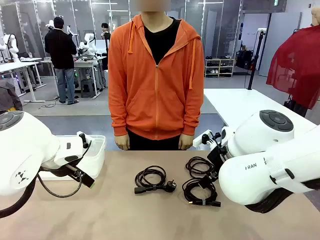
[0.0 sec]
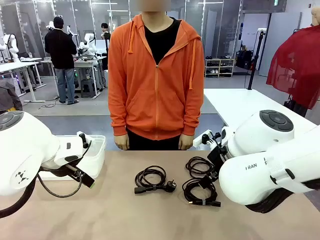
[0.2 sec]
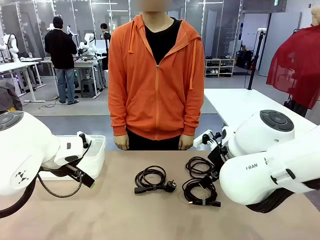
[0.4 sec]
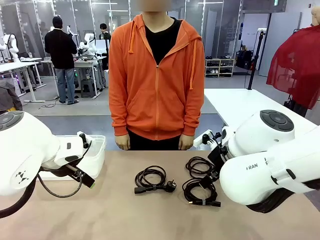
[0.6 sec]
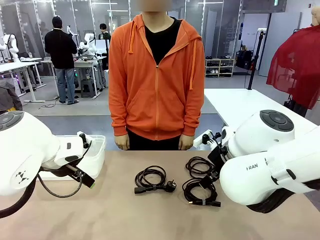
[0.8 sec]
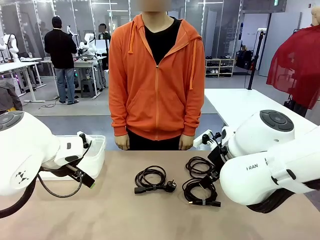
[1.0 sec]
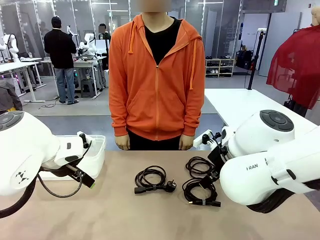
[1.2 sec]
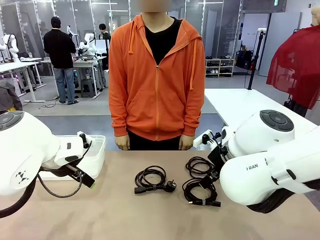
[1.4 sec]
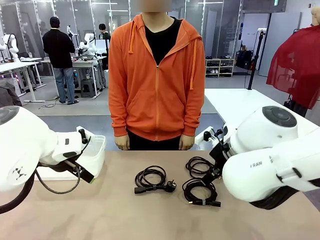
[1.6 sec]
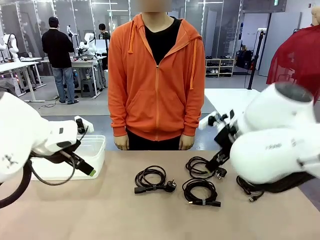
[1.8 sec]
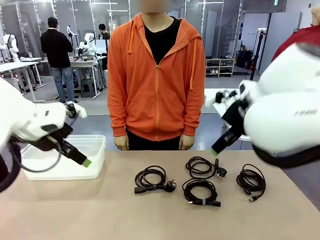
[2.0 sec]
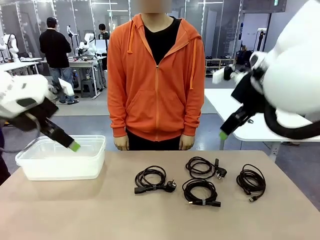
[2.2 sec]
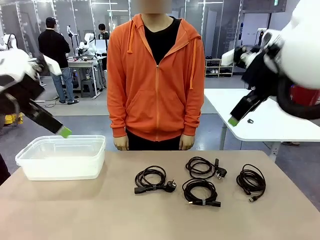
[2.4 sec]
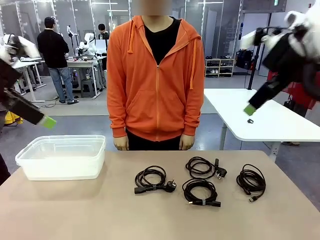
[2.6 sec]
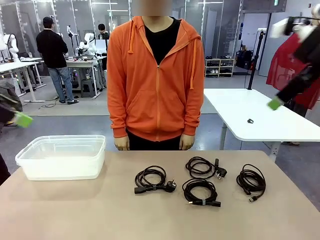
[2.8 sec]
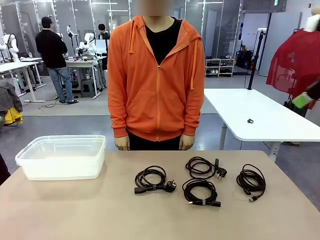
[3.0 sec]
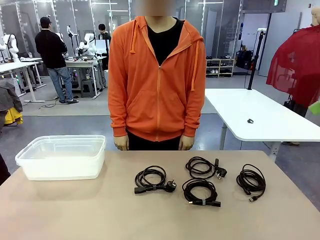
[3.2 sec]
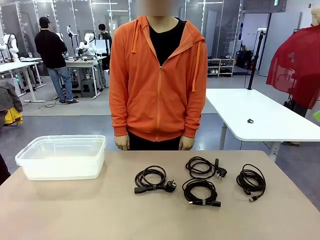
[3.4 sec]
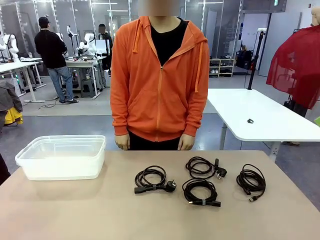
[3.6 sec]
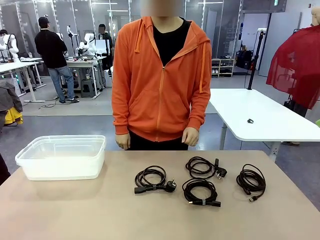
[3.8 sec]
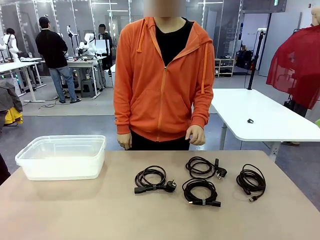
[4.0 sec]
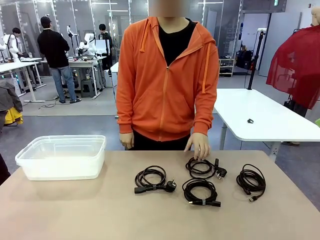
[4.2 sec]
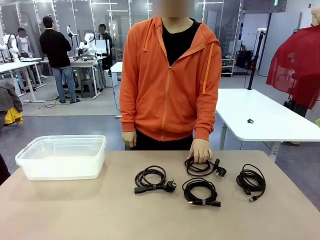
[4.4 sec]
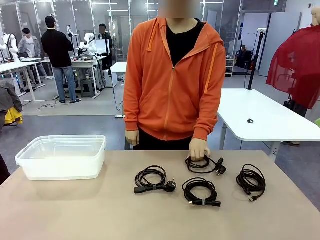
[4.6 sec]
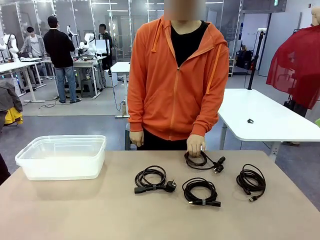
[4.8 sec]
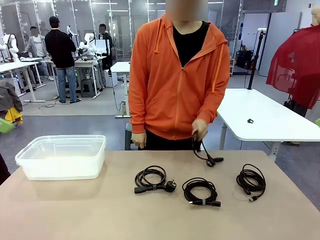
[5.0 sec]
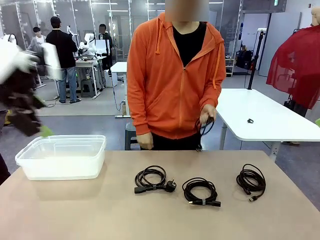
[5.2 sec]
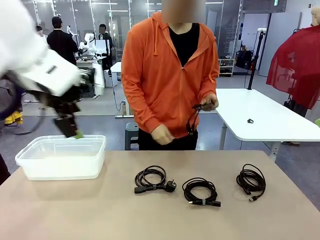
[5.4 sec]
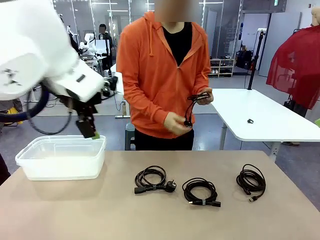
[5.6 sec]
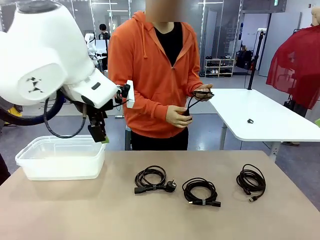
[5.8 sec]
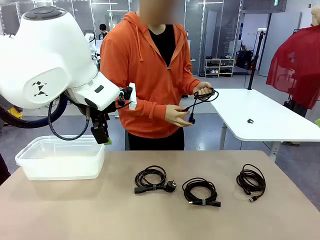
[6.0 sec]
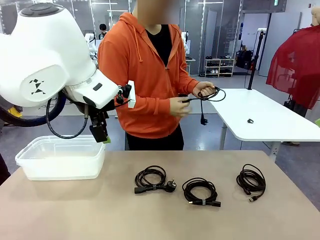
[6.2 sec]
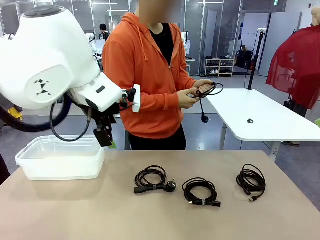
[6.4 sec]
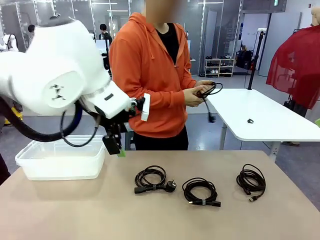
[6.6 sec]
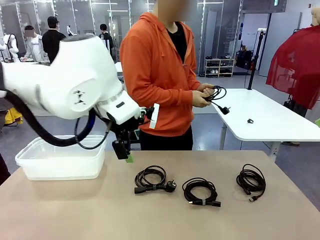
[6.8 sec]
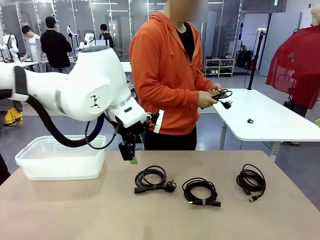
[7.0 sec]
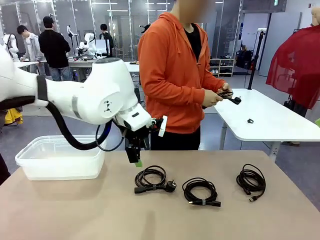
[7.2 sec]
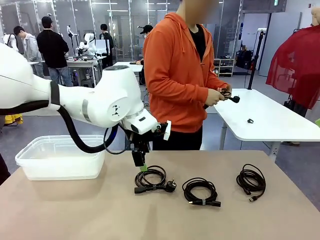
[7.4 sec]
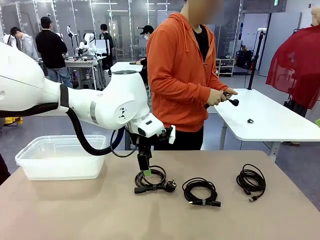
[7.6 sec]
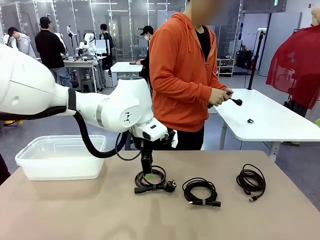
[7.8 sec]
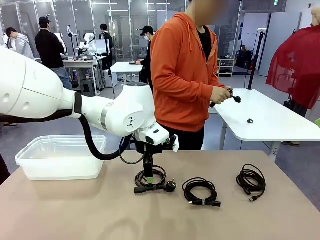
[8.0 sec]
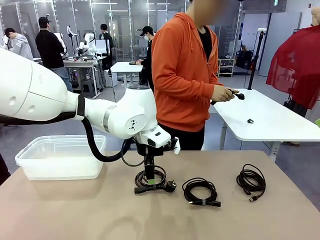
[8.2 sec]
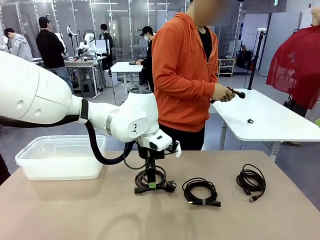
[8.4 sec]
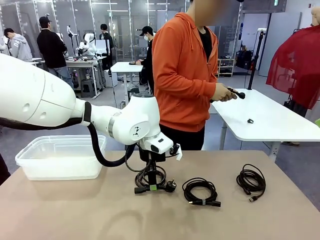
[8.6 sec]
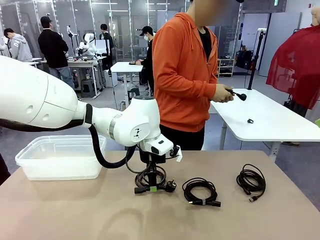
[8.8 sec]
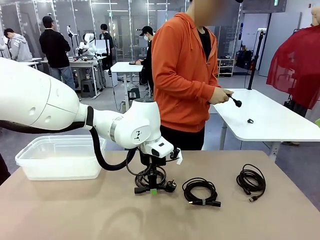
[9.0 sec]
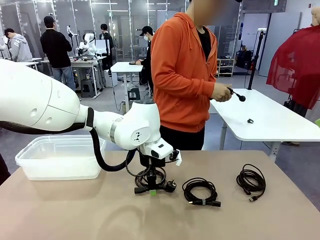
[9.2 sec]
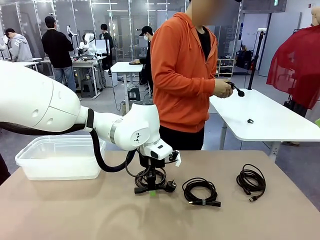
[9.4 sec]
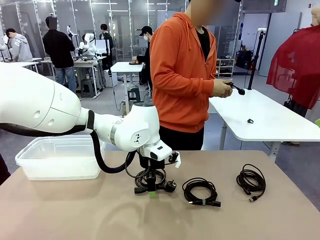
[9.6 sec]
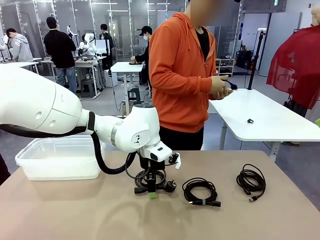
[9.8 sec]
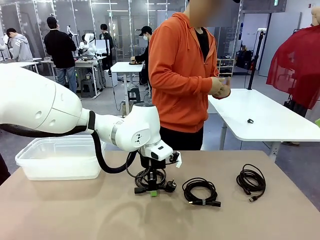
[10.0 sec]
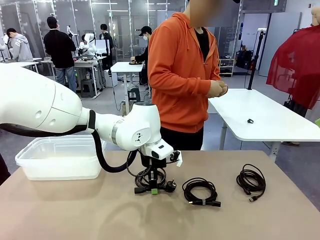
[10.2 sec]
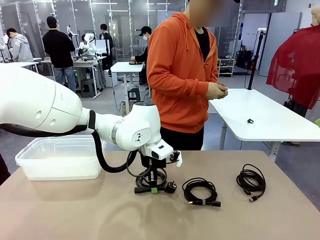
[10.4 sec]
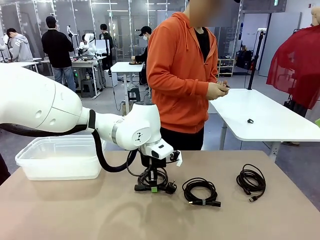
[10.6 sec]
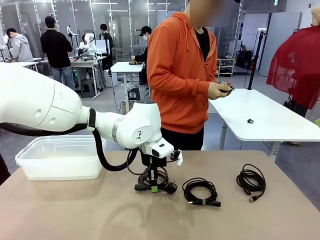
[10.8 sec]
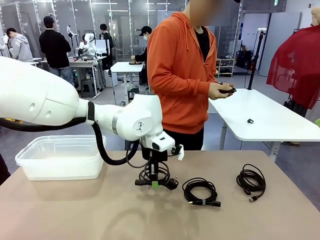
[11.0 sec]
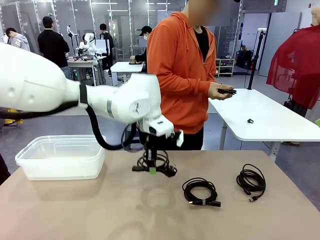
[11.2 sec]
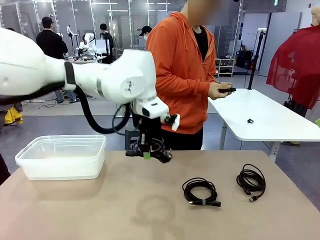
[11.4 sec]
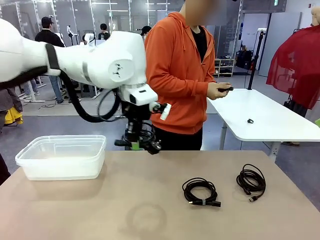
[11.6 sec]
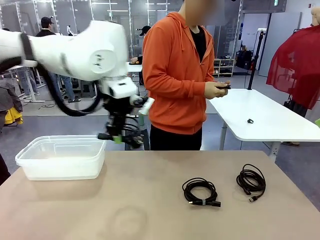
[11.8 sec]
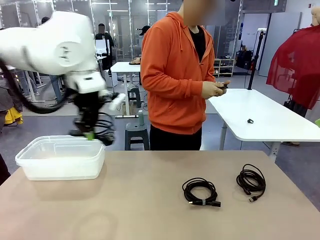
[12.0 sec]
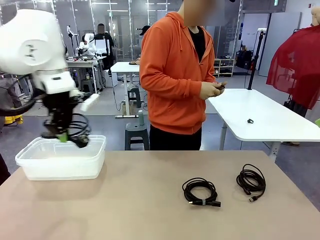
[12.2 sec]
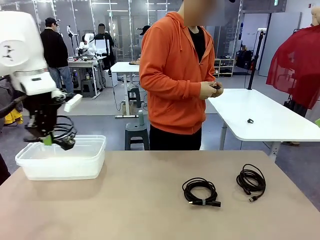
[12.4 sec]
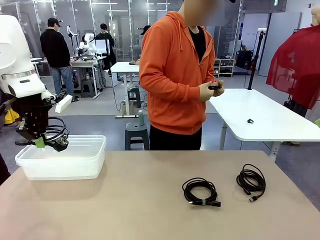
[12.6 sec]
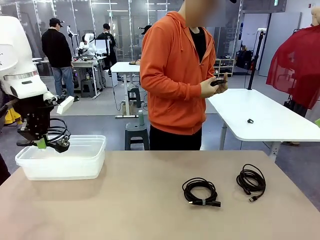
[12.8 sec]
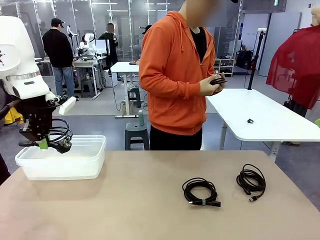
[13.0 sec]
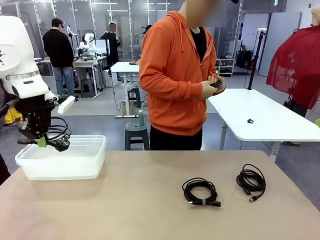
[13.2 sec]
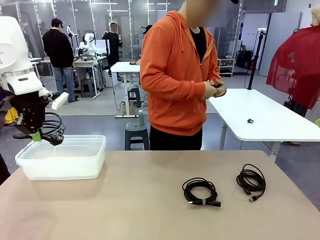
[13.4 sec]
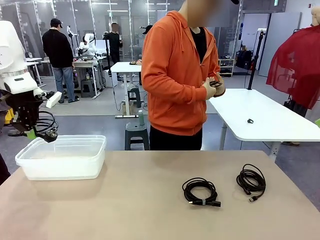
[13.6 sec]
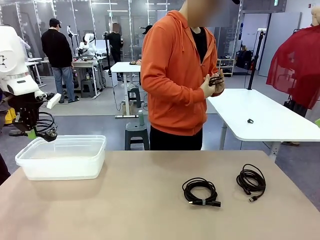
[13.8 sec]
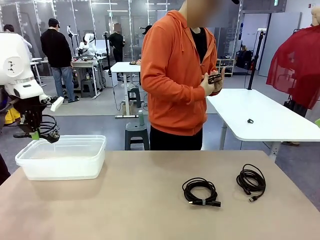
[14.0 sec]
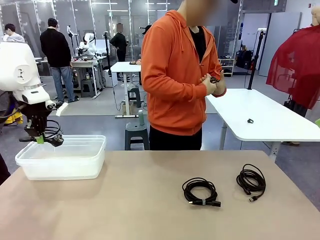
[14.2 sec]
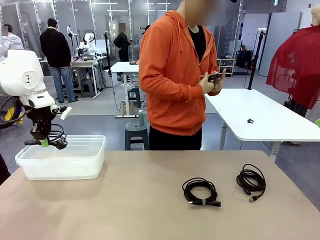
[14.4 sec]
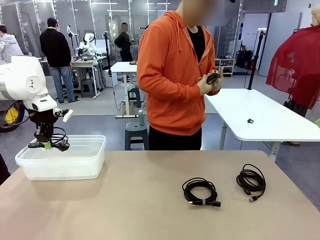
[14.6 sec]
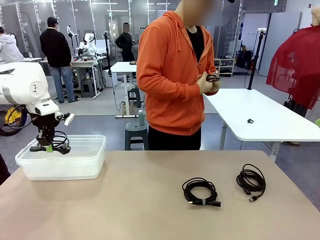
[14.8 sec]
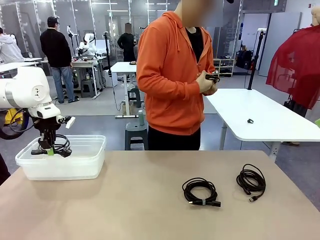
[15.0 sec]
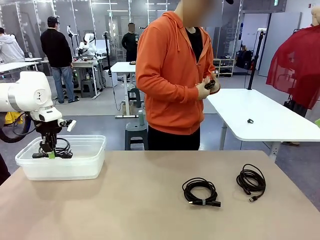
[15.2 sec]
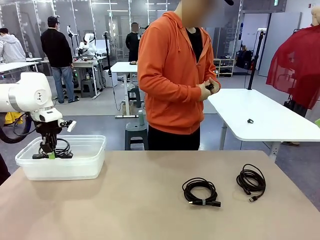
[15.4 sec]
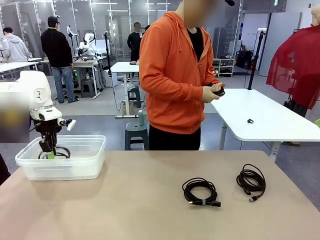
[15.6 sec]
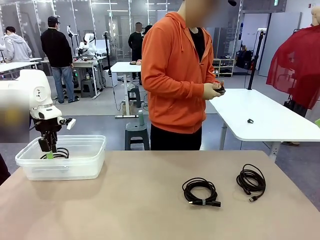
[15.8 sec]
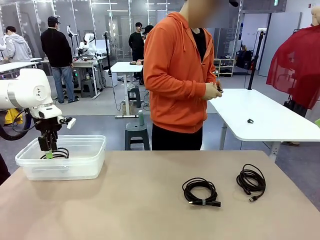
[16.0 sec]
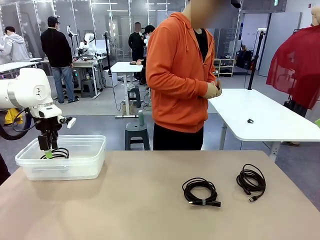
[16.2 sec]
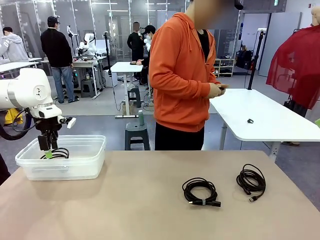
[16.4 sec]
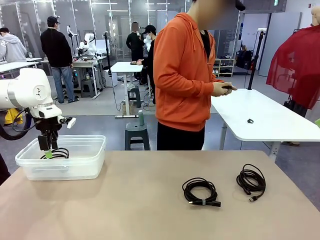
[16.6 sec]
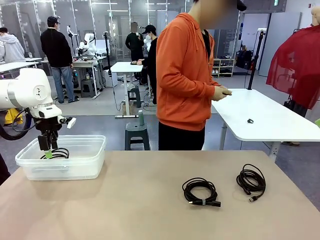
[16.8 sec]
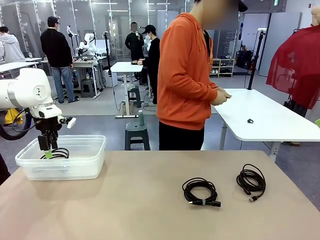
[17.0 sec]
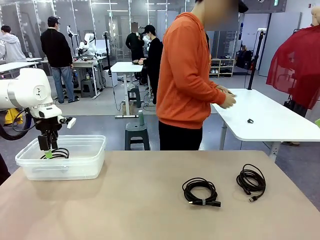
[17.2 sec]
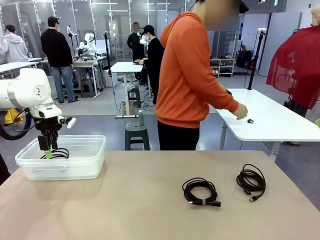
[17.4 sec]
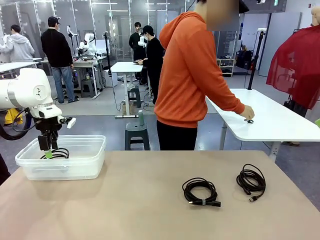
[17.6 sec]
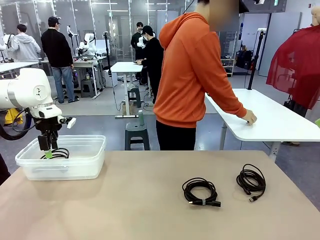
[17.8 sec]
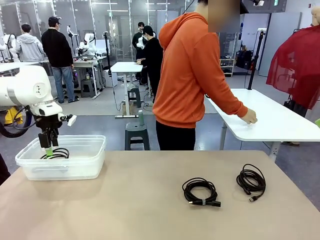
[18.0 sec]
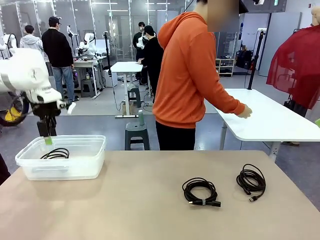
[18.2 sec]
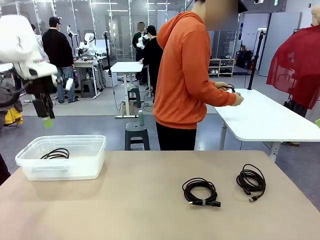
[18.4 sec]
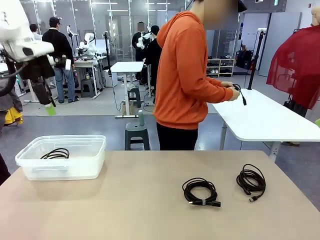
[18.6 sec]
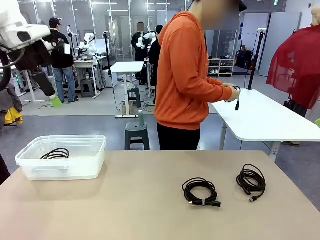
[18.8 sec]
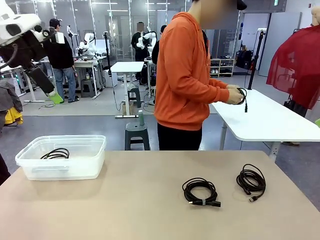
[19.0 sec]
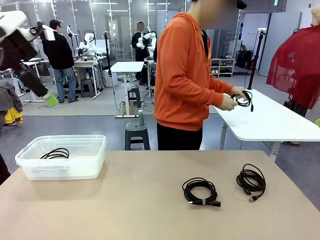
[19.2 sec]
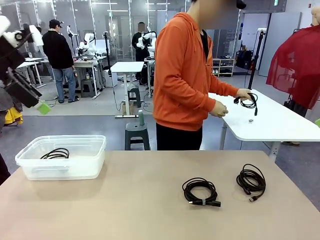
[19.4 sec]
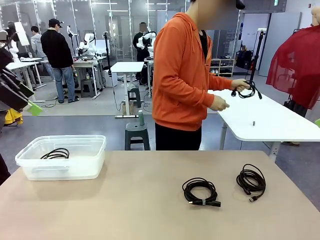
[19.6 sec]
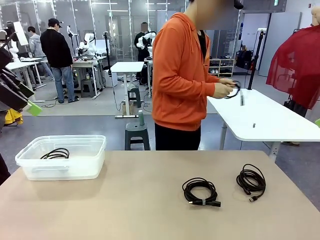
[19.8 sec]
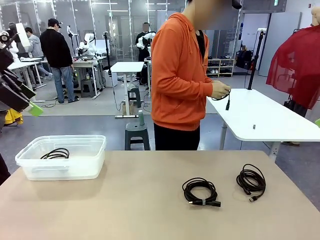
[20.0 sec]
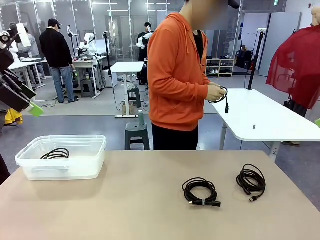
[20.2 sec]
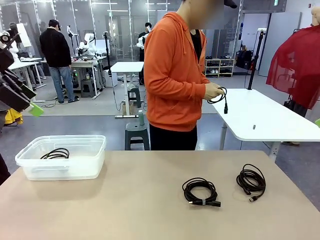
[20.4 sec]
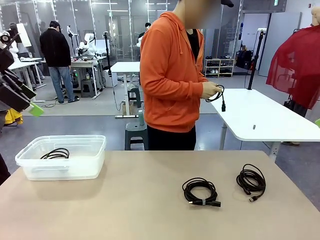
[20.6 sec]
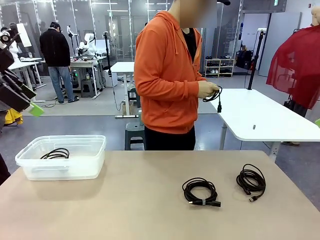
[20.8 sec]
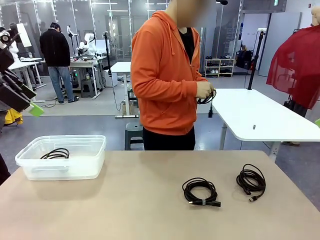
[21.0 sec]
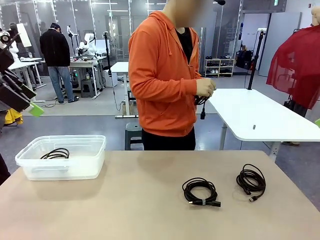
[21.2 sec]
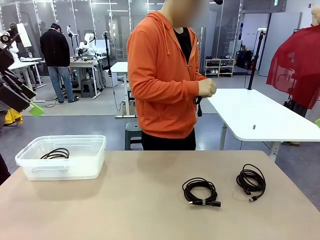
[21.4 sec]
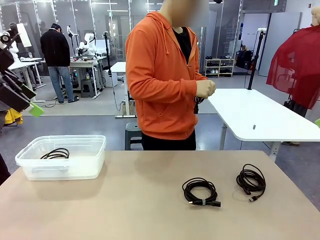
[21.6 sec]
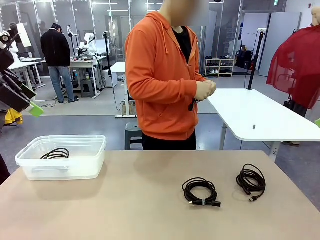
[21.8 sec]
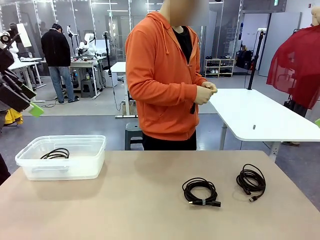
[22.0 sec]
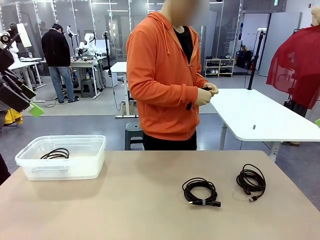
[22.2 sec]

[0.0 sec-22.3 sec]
Task: Organize and store the cables.
Robot: Place the Power Cable into the Organizing box.
Person: Tie one Power Cable with a Reusable Cable Tie.
